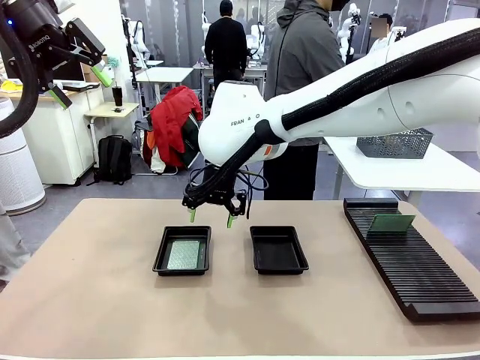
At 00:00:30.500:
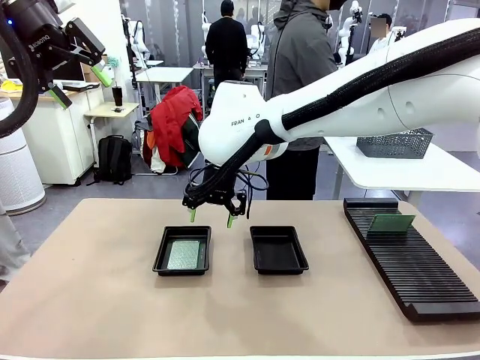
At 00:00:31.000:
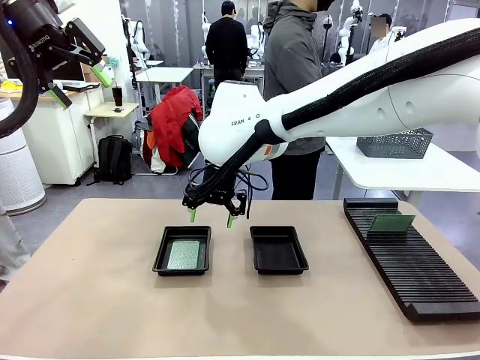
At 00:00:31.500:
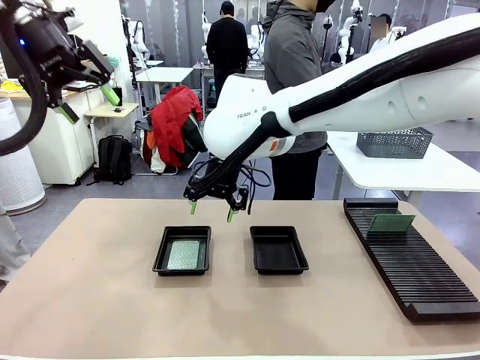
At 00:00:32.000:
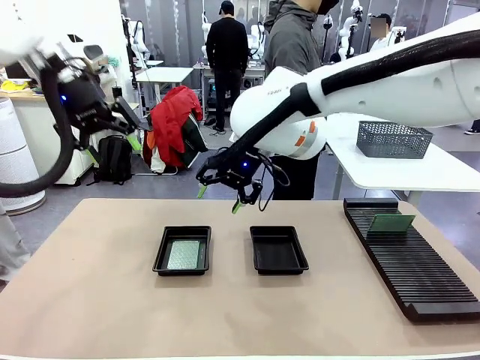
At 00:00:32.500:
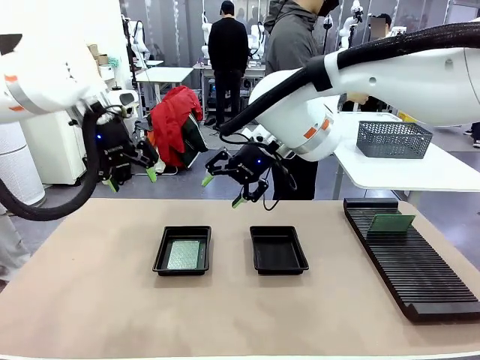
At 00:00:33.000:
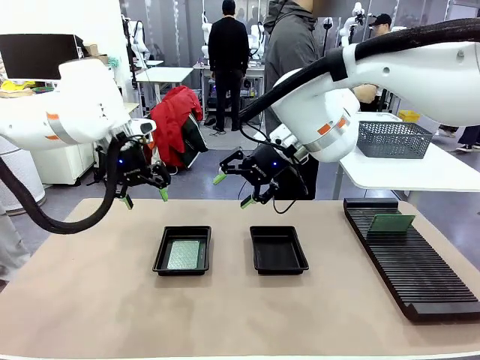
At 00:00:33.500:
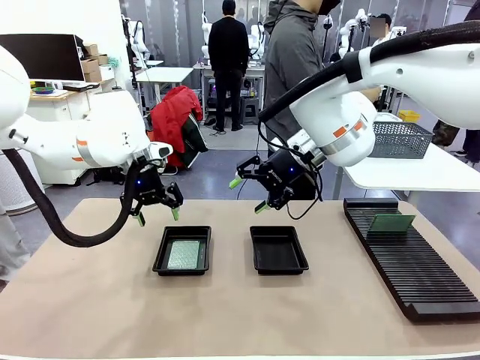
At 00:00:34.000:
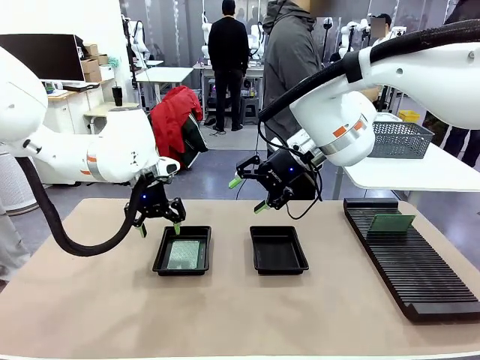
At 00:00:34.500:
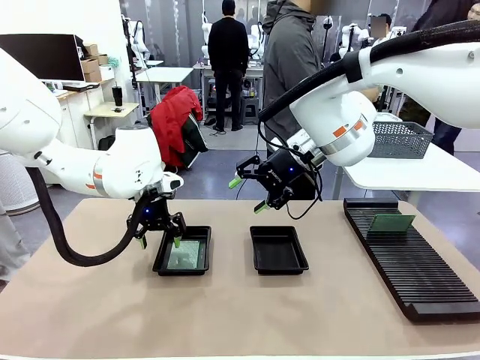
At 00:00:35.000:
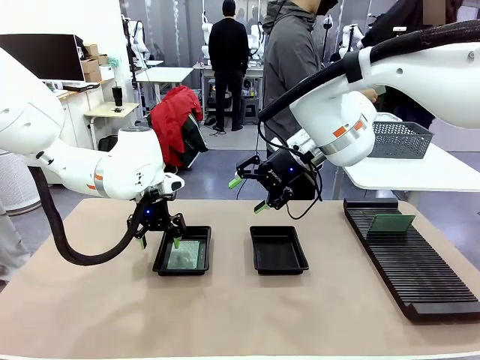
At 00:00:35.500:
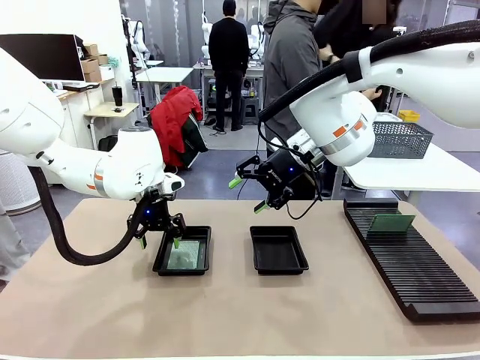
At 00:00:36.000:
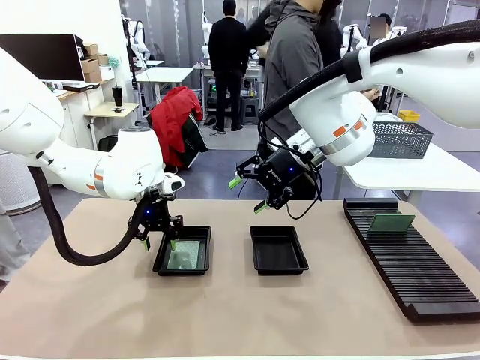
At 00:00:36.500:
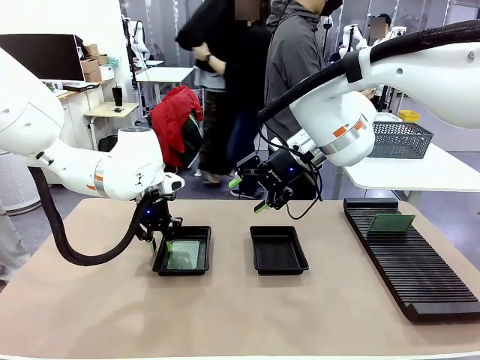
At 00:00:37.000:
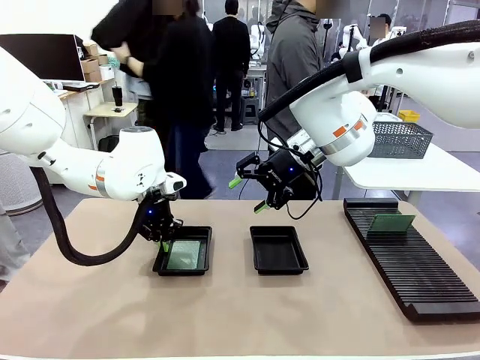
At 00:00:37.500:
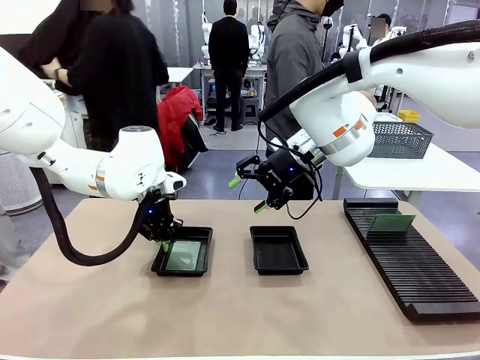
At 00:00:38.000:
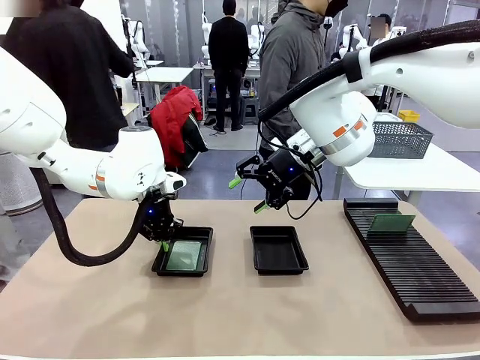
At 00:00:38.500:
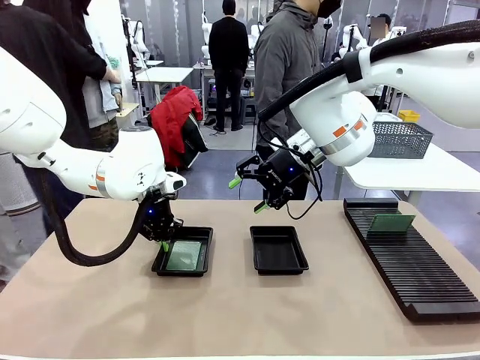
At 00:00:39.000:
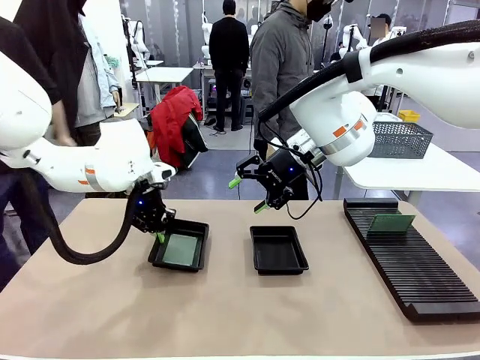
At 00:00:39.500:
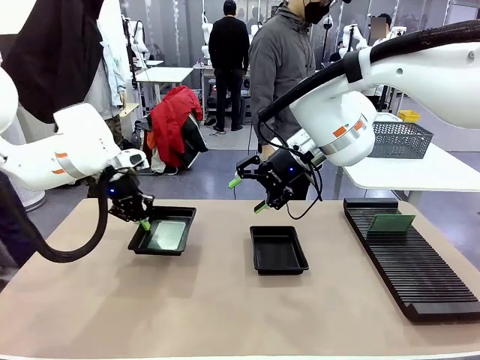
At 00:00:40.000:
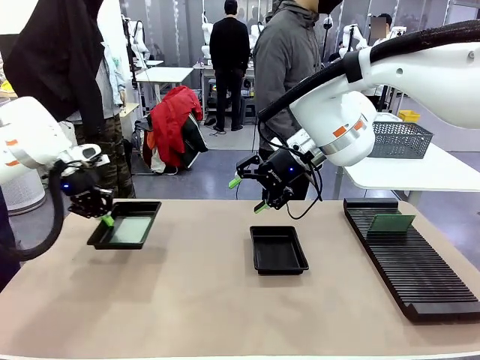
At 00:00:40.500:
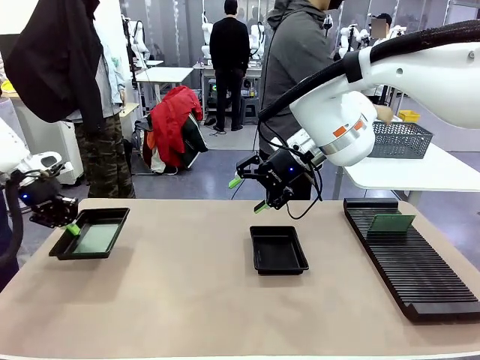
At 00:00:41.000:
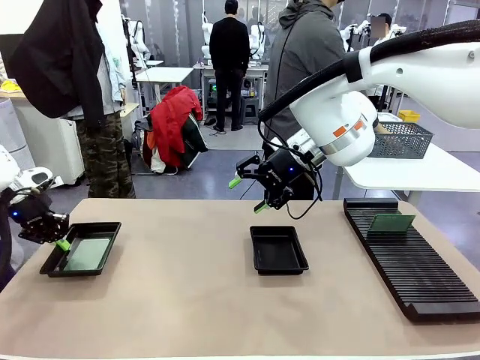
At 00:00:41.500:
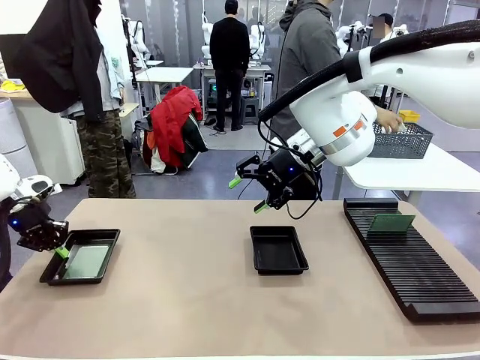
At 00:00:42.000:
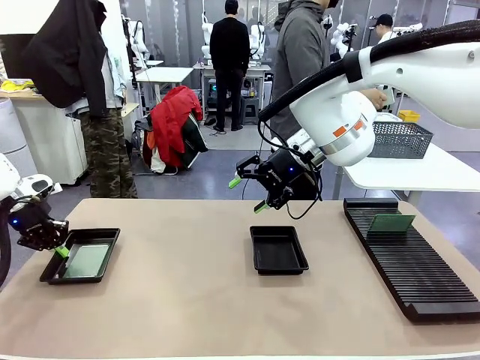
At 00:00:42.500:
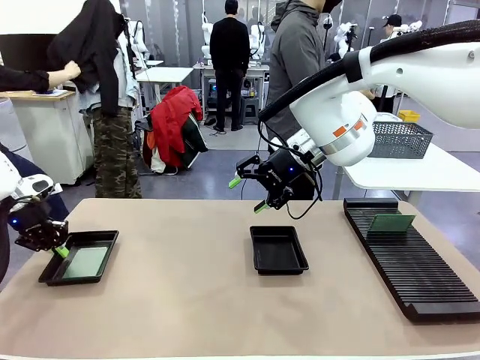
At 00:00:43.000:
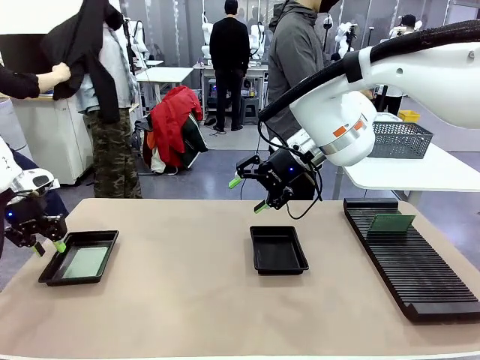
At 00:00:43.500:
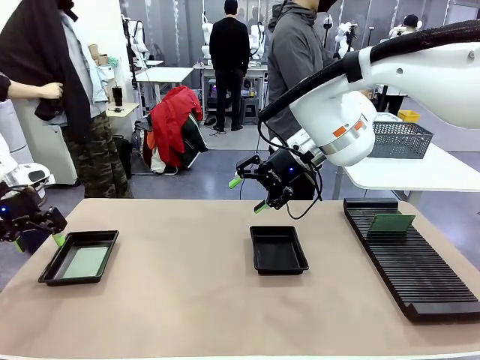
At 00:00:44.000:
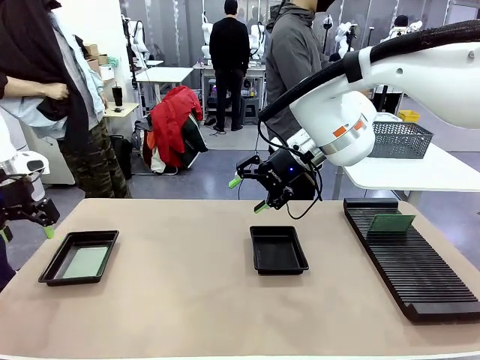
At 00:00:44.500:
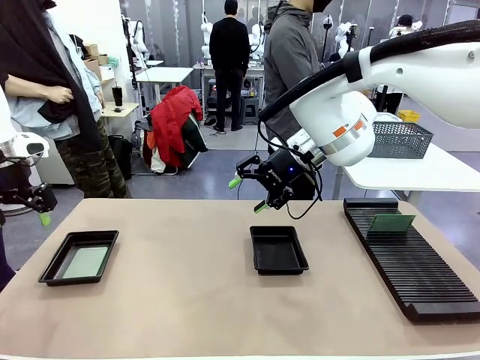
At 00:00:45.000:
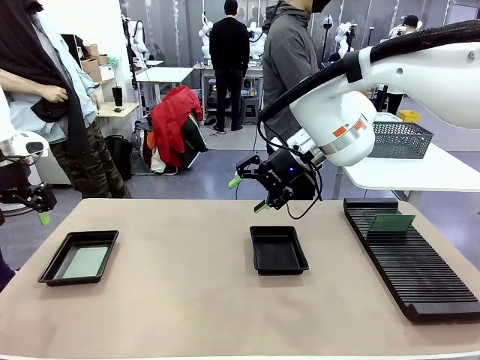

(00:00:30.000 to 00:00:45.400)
Task: Inspect and transfer BCBs to ESD trays.
Robot: Pick up the ESD tray and place it on the left side of the table.
